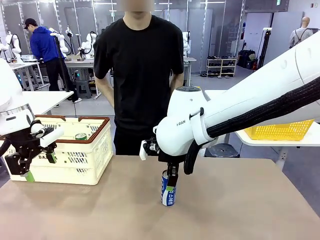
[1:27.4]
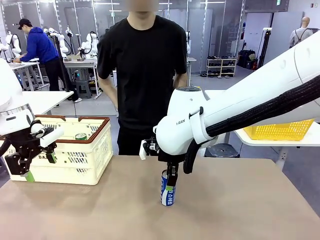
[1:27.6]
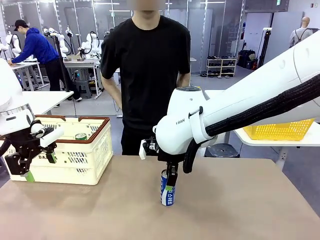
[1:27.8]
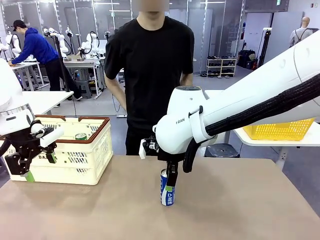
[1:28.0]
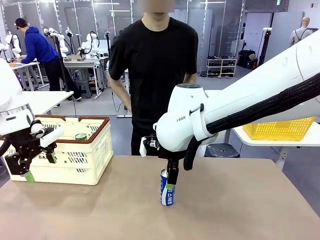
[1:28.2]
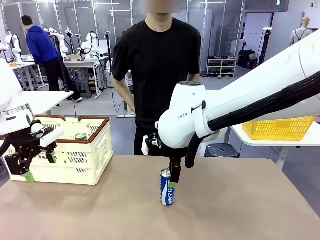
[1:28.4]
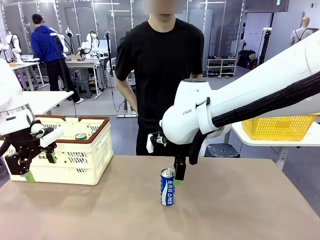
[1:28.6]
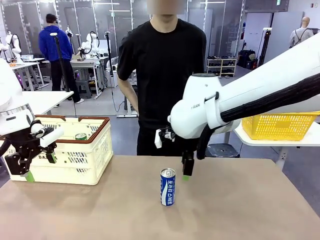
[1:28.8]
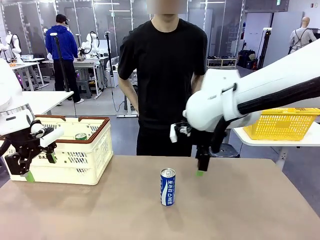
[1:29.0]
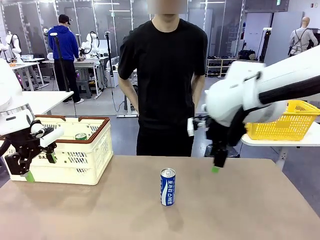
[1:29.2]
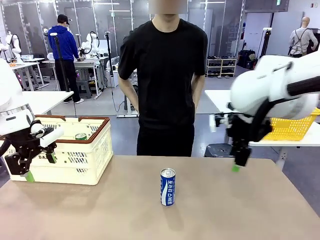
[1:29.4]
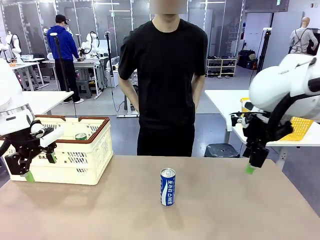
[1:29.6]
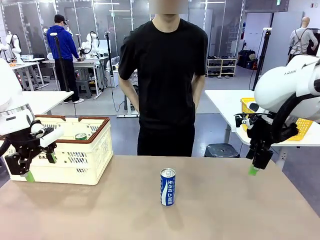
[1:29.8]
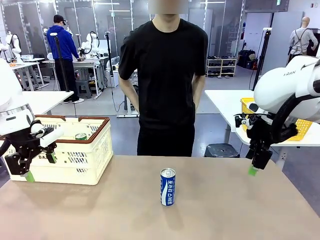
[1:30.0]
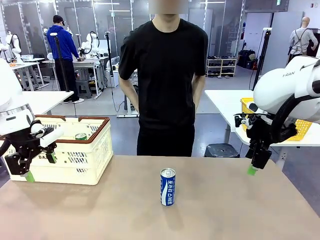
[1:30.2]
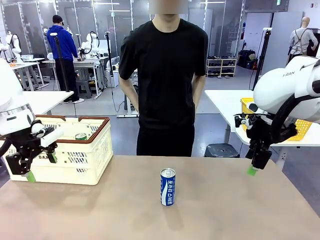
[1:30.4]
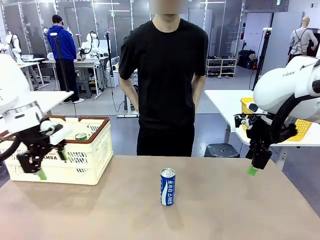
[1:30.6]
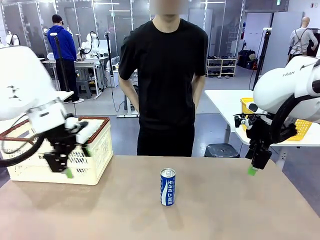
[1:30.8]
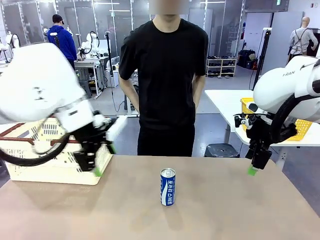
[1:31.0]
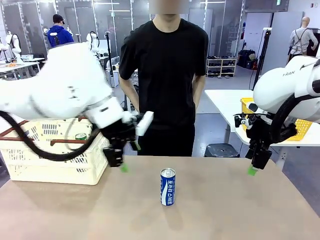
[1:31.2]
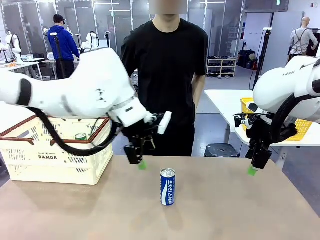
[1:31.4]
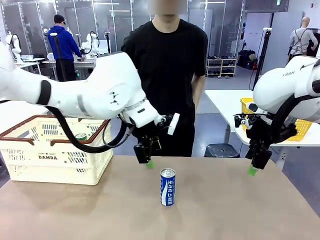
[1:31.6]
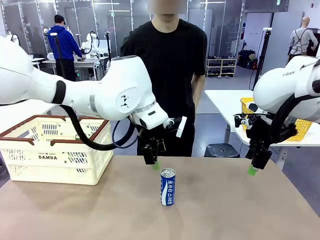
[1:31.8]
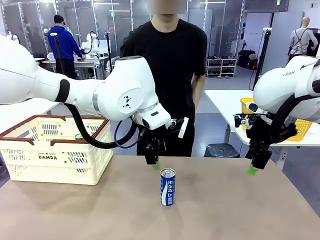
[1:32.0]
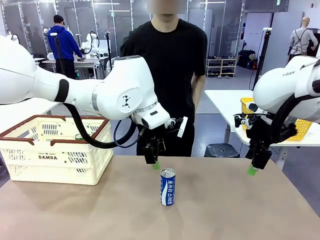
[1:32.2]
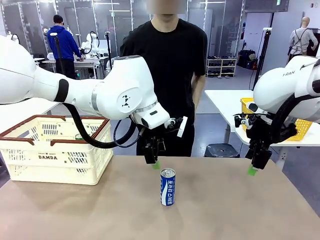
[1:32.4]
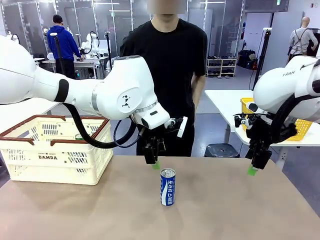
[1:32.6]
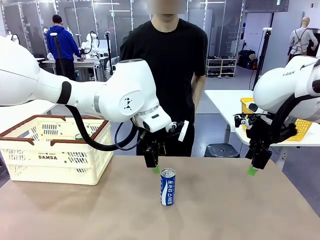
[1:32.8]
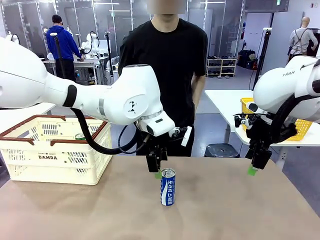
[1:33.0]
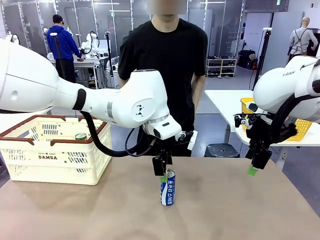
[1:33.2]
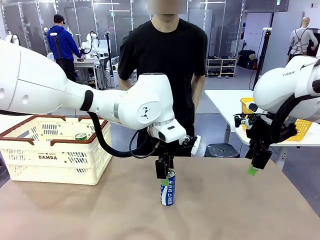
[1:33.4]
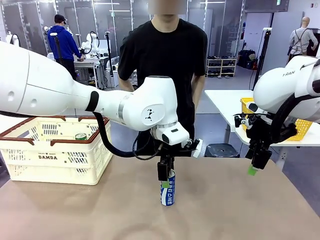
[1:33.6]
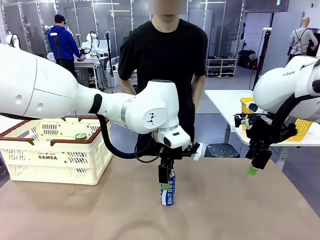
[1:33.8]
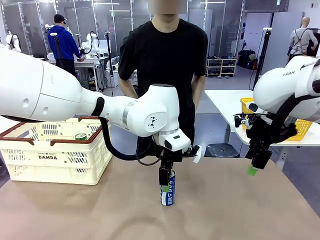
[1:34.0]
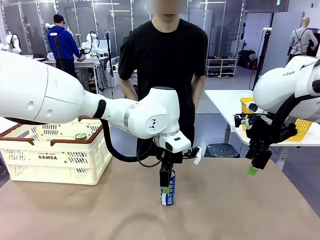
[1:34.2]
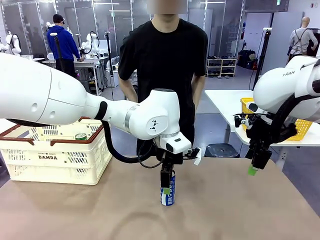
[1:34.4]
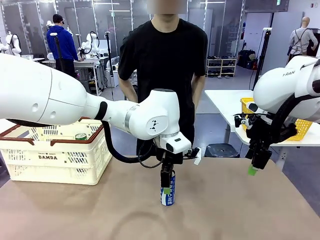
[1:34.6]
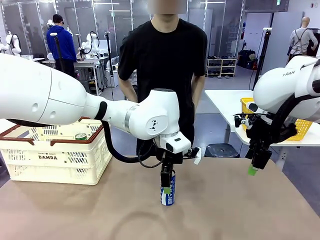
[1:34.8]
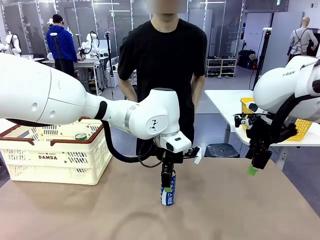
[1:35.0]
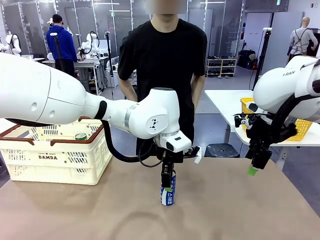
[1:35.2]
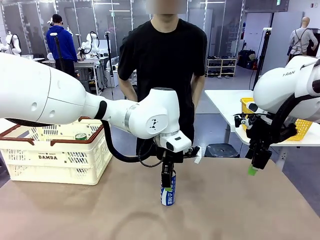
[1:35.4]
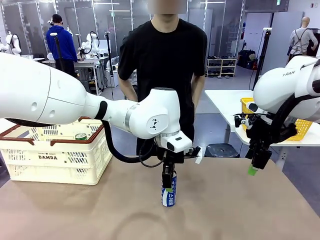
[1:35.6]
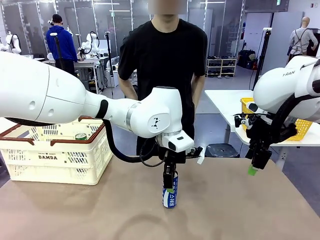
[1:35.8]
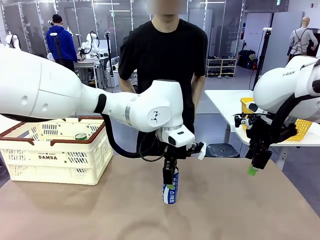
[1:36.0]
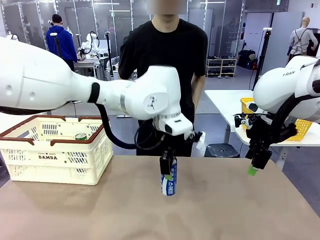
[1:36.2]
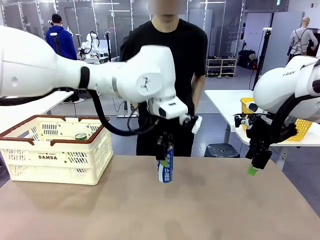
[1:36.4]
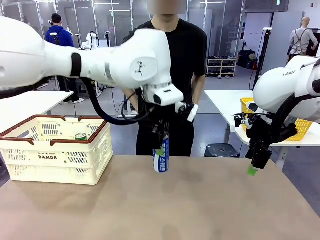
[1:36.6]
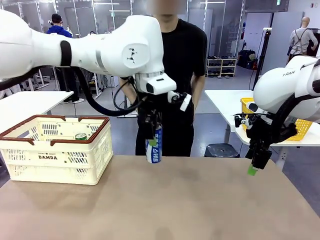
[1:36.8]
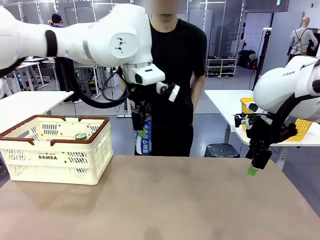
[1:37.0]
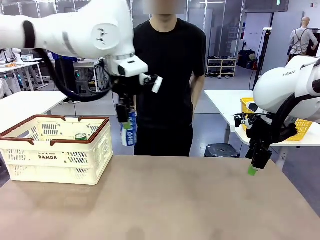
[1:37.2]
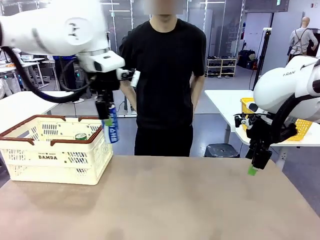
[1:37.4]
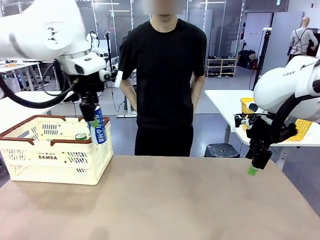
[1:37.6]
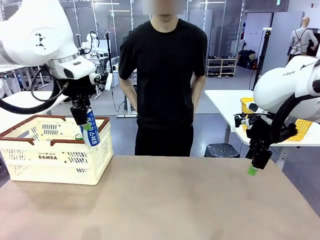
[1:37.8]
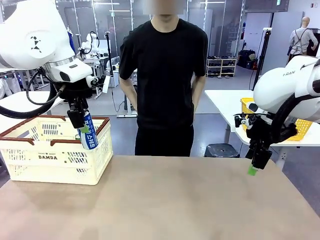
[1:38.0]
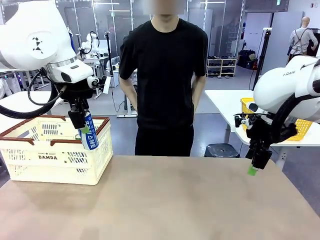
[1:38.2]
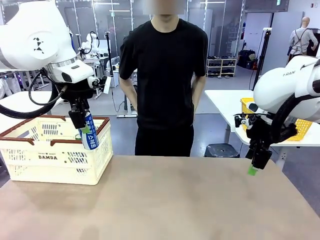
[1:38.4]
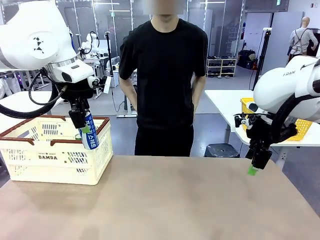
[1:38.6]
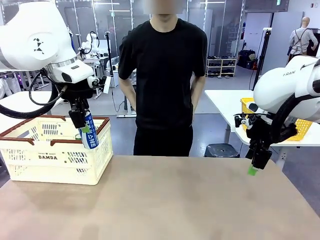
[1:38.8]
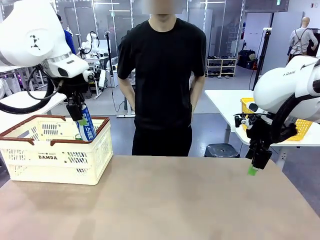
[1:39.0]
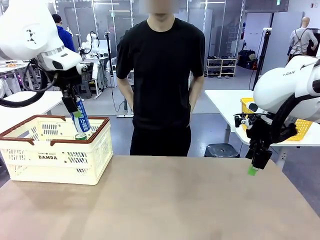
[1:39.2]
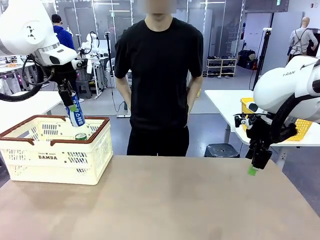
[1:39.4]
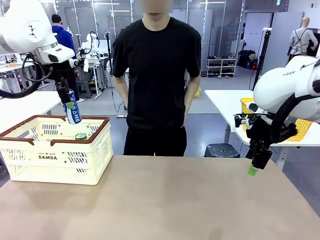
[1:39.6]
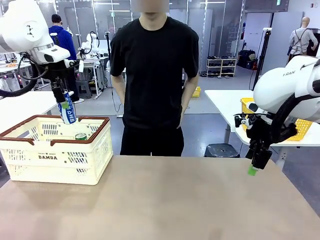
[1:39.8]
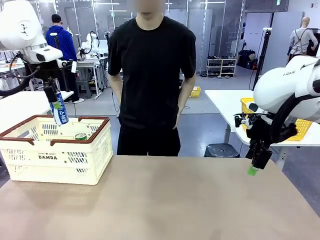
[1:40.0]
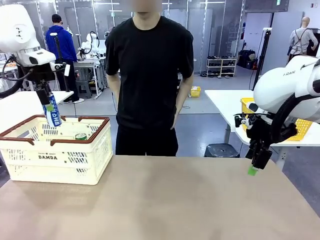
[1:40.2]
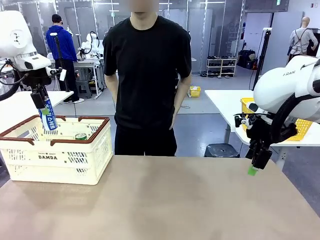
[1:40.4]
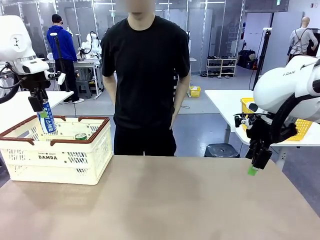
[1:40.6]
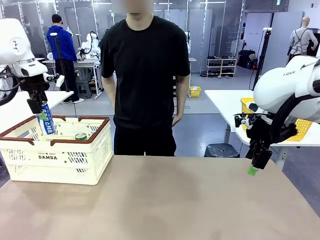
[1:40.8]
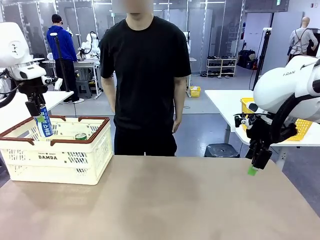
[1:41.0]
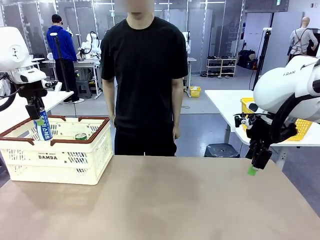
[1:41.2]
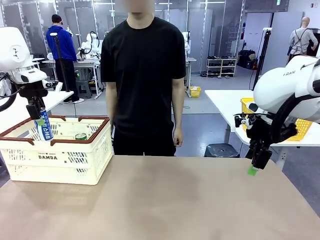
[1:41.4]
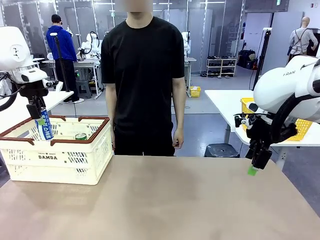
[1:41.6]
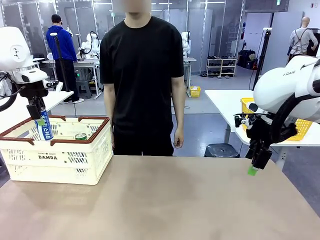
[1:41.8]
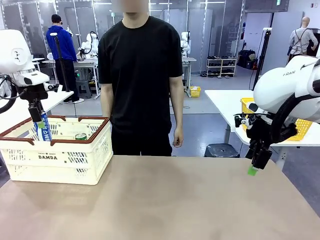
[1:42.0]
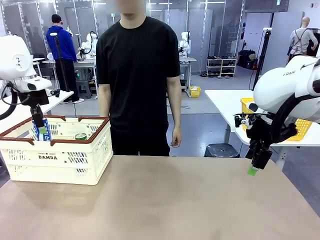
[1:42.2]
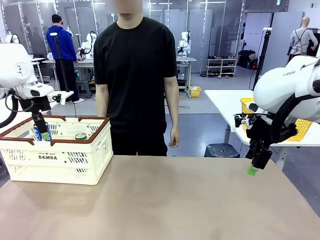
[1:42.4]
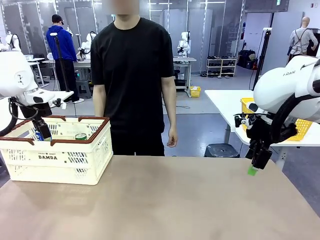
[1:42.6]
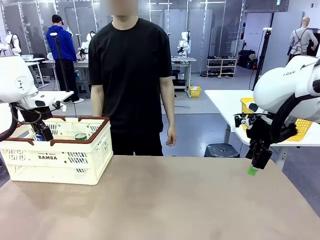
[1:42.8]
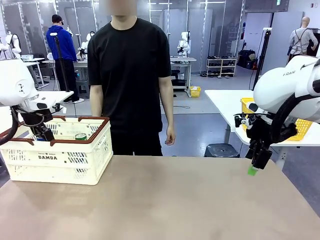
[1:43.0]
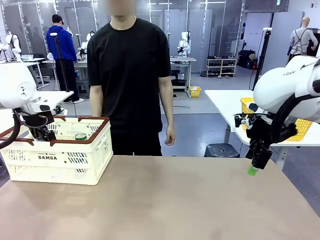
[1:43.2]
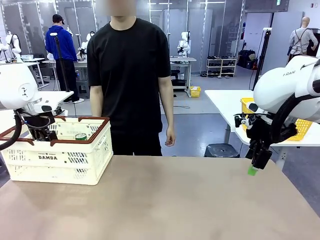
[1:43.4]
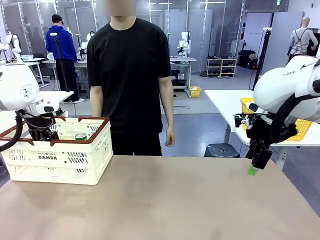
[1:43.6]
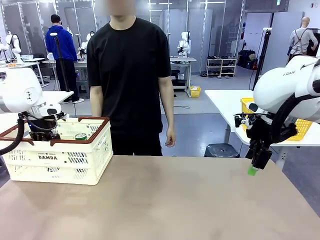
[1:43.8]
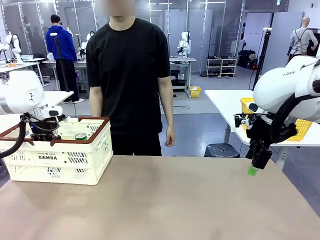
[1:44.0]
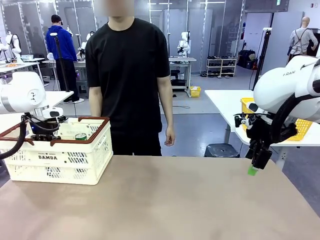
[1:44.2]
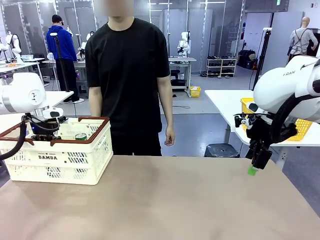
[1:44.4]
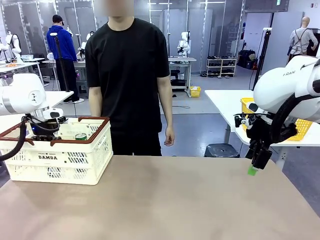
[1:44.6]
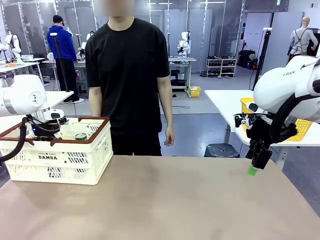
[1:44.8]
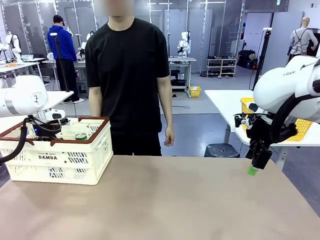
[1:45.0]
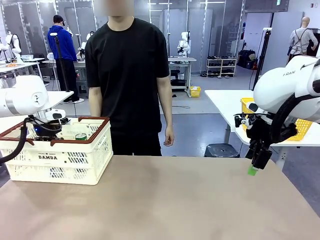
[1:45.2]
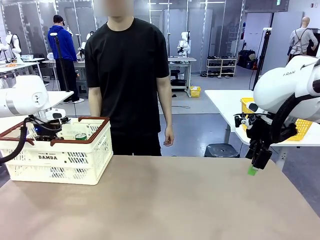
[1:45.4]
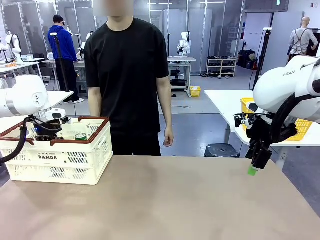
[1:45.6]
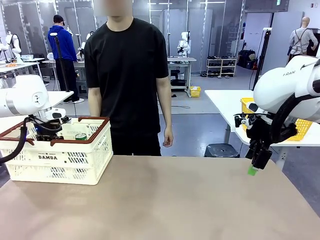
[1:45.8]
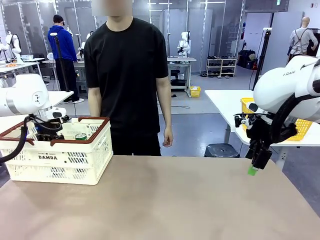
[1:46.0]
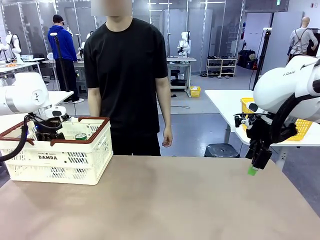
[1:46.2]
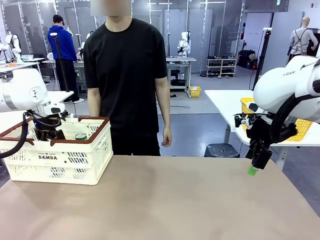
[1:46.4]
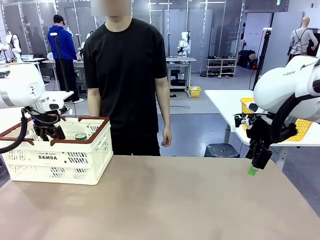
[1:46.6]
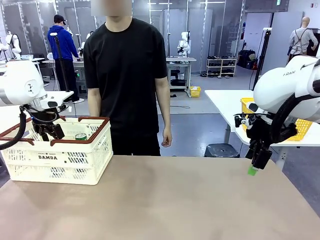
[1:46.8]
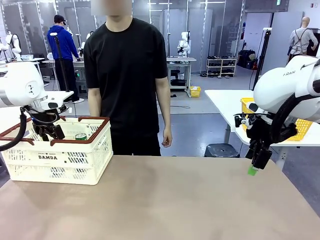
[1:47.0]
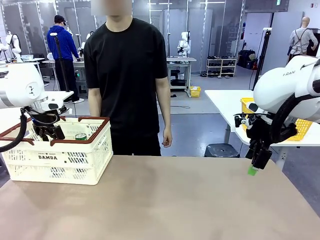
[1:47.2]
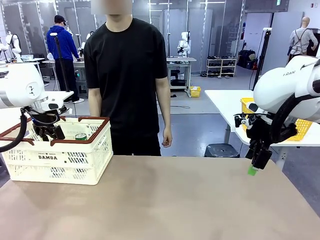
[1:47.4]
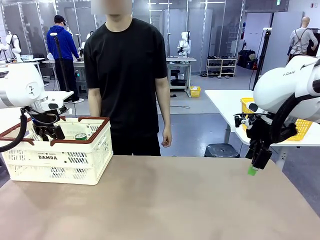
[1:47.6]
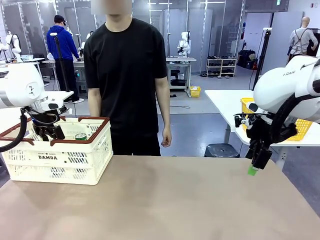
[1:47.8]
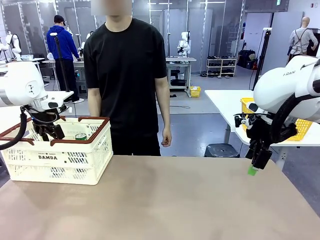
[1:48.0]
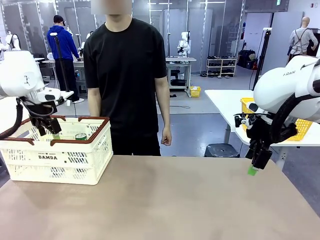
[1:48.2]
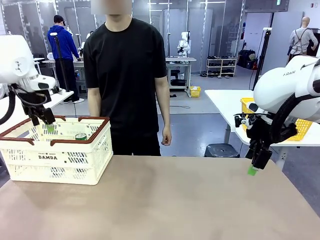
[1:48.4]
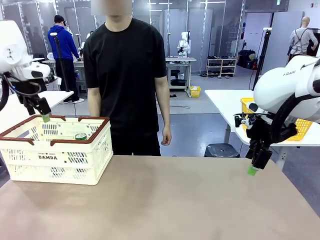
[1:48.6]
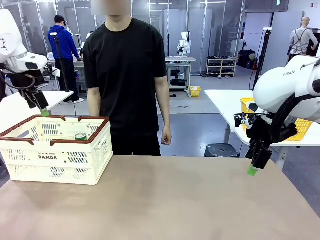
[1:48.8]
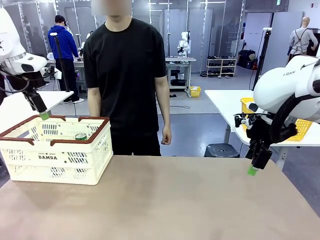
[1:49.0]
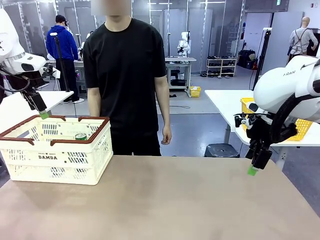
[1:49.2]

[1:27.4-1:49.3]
Task: Place the drinks into the Shopping basket.
Robot: Pick up one drink and place it into the Shopping basket.
